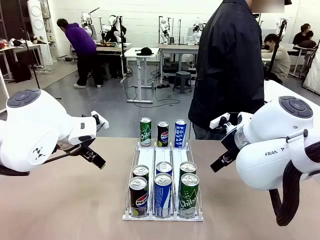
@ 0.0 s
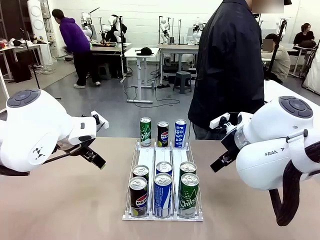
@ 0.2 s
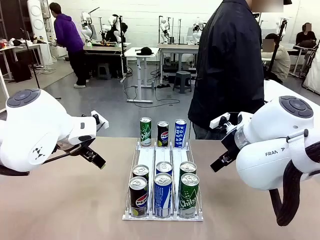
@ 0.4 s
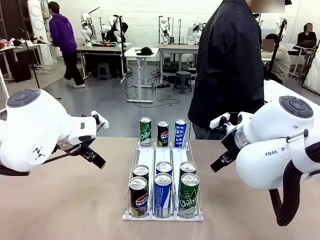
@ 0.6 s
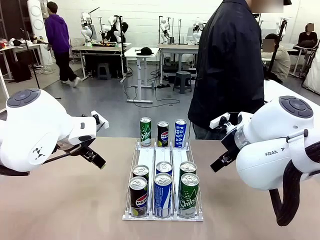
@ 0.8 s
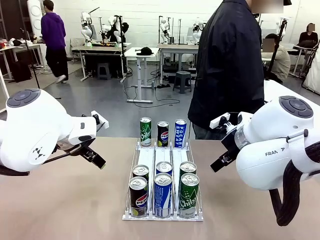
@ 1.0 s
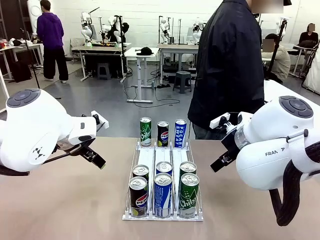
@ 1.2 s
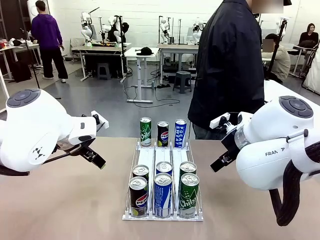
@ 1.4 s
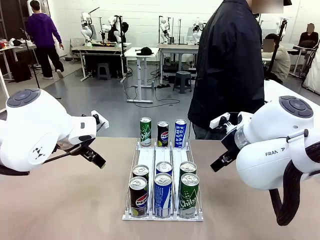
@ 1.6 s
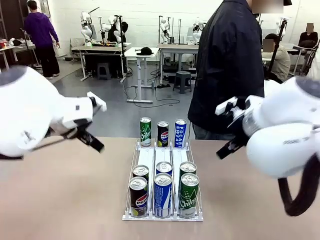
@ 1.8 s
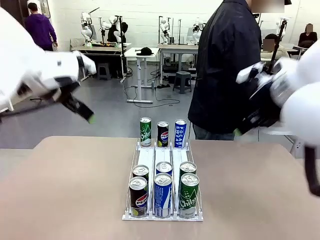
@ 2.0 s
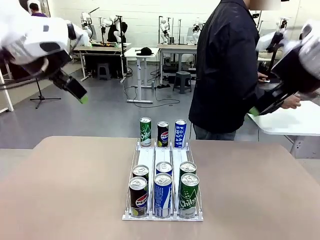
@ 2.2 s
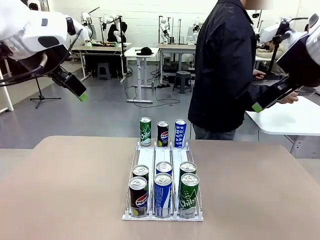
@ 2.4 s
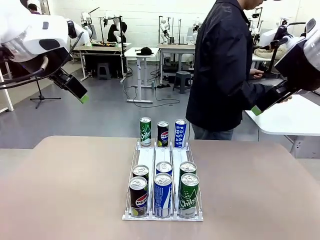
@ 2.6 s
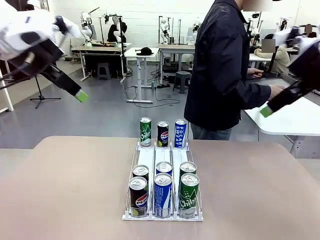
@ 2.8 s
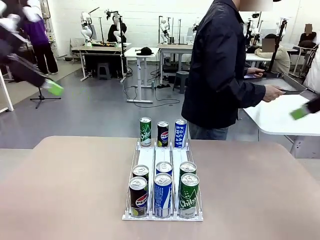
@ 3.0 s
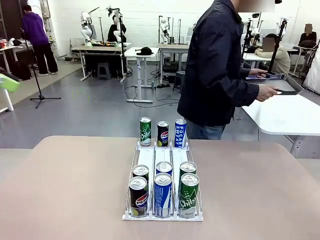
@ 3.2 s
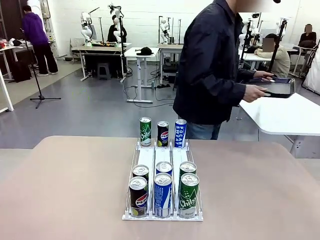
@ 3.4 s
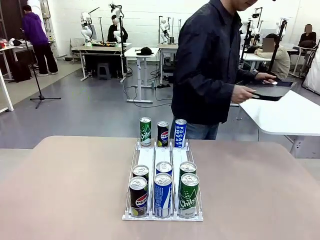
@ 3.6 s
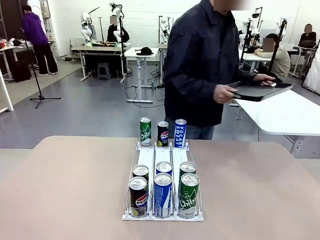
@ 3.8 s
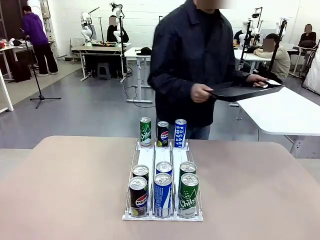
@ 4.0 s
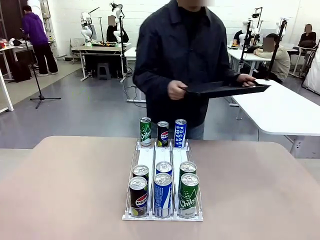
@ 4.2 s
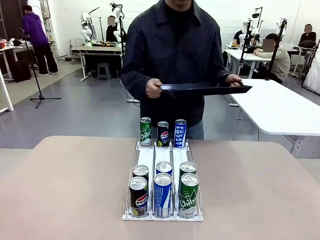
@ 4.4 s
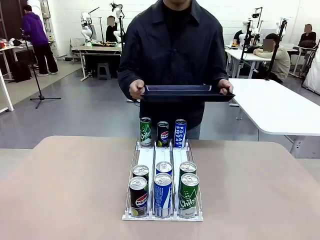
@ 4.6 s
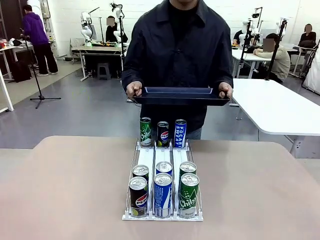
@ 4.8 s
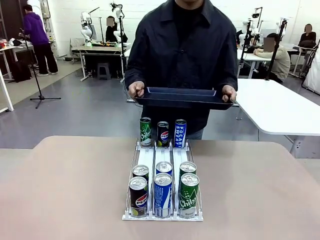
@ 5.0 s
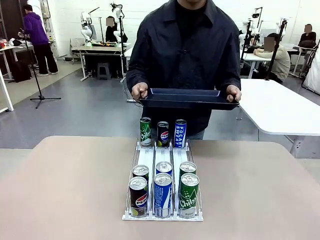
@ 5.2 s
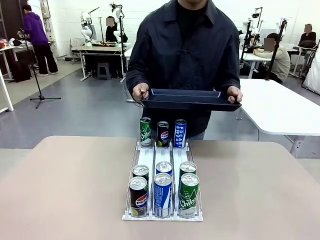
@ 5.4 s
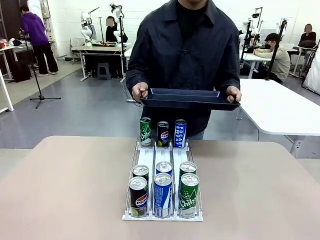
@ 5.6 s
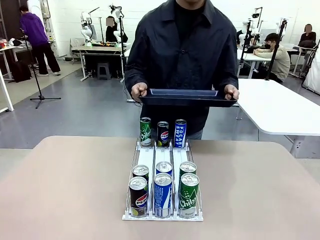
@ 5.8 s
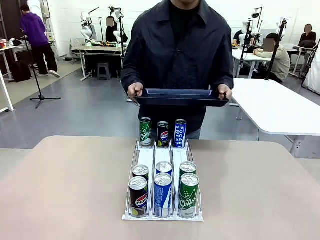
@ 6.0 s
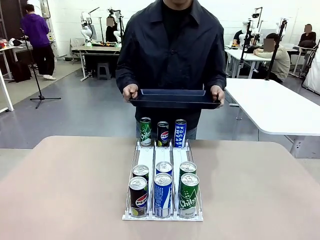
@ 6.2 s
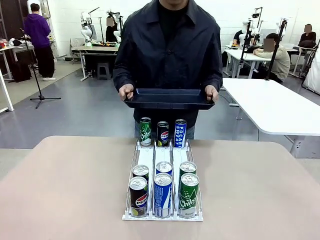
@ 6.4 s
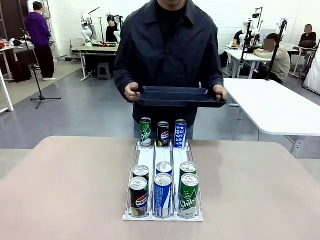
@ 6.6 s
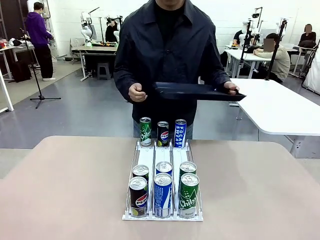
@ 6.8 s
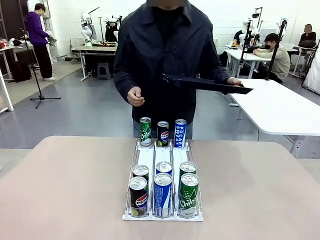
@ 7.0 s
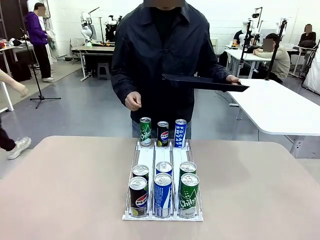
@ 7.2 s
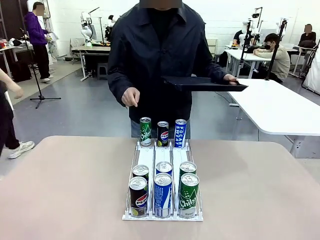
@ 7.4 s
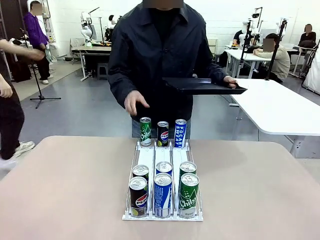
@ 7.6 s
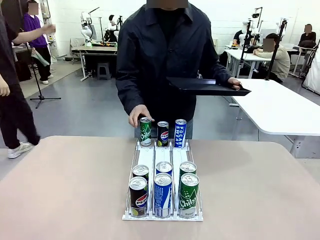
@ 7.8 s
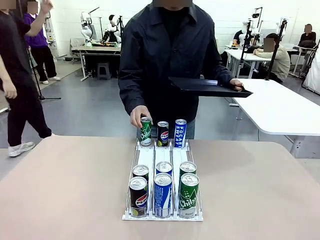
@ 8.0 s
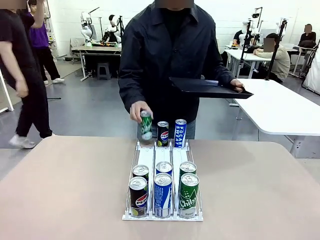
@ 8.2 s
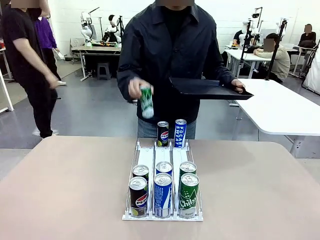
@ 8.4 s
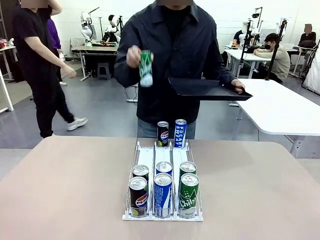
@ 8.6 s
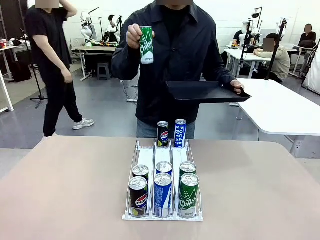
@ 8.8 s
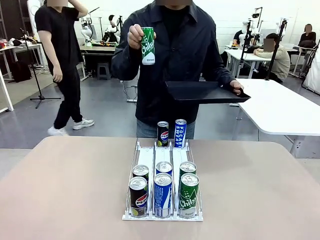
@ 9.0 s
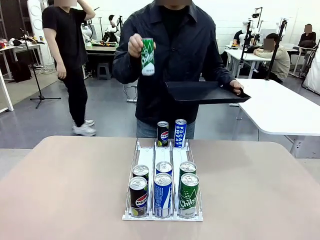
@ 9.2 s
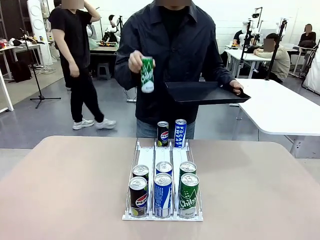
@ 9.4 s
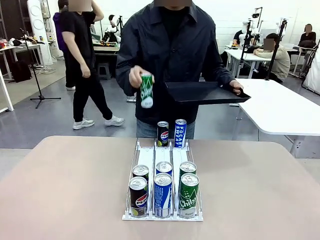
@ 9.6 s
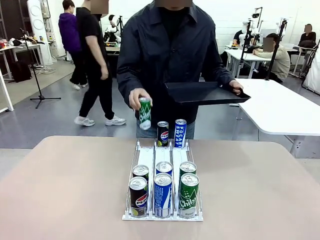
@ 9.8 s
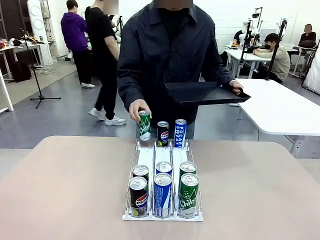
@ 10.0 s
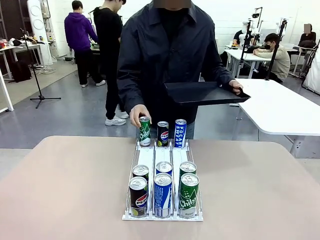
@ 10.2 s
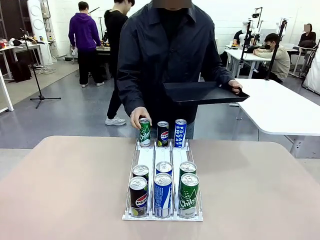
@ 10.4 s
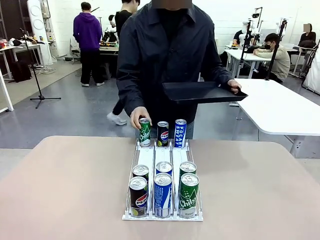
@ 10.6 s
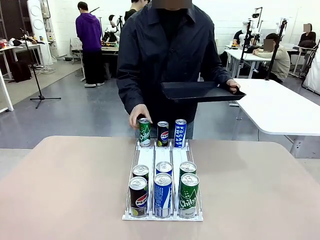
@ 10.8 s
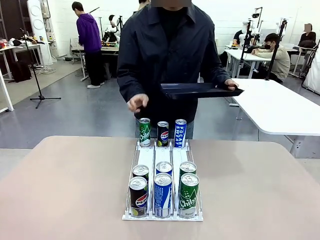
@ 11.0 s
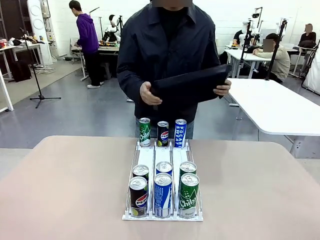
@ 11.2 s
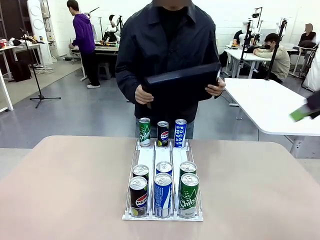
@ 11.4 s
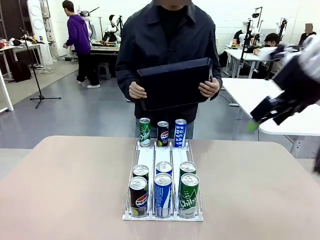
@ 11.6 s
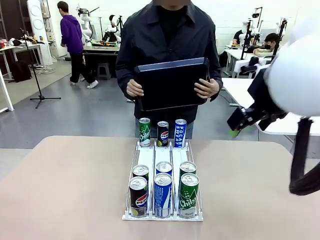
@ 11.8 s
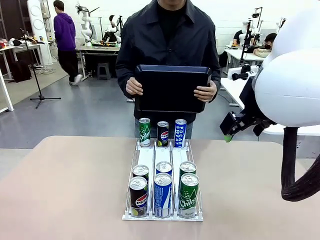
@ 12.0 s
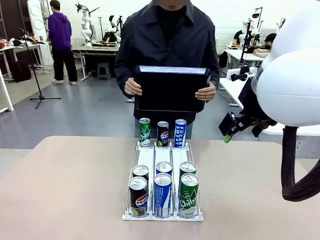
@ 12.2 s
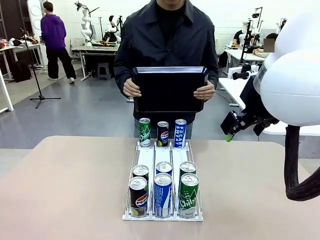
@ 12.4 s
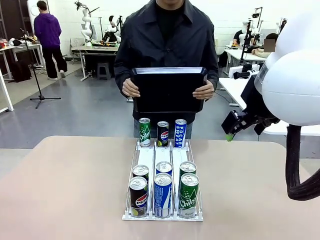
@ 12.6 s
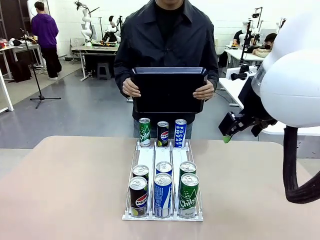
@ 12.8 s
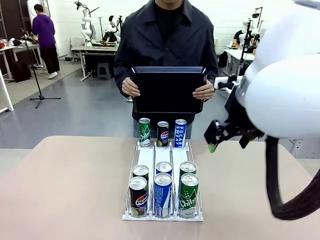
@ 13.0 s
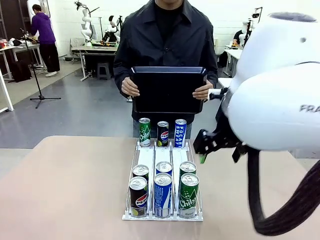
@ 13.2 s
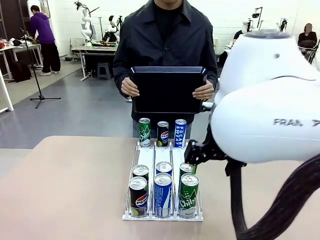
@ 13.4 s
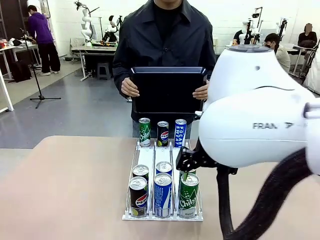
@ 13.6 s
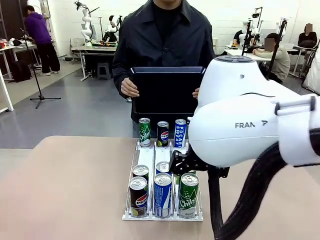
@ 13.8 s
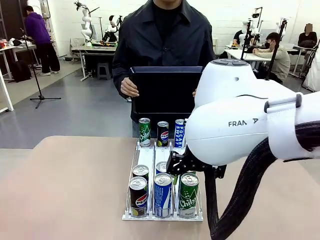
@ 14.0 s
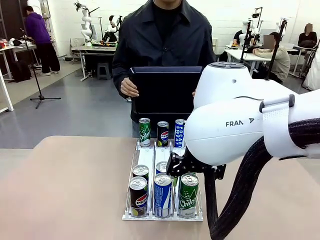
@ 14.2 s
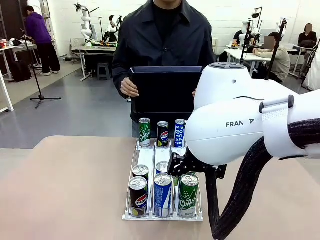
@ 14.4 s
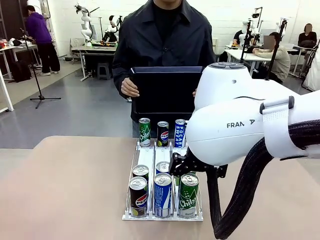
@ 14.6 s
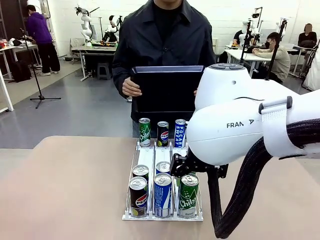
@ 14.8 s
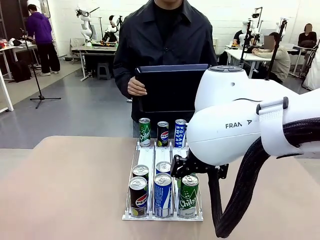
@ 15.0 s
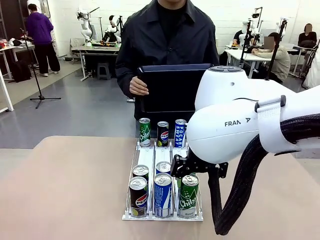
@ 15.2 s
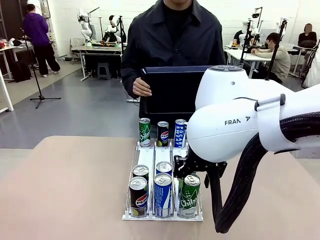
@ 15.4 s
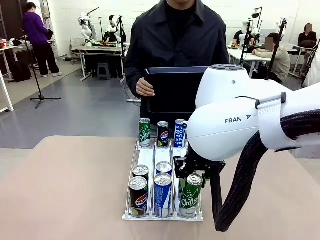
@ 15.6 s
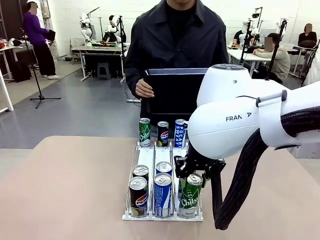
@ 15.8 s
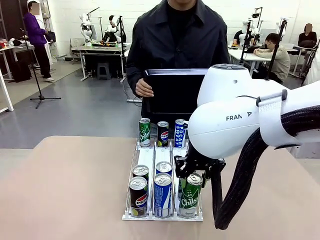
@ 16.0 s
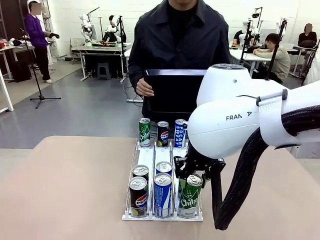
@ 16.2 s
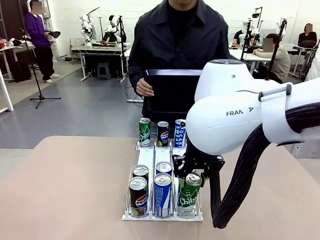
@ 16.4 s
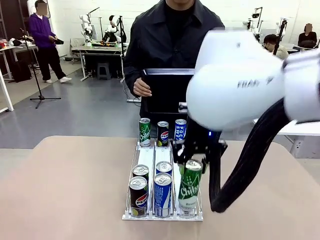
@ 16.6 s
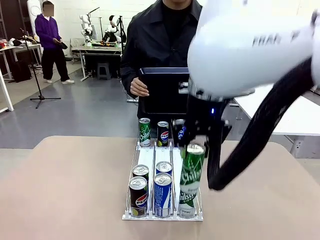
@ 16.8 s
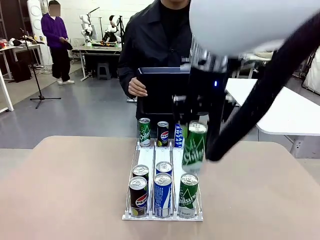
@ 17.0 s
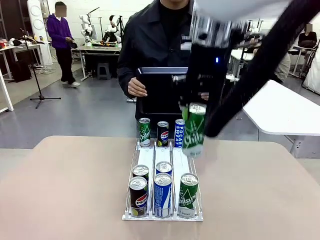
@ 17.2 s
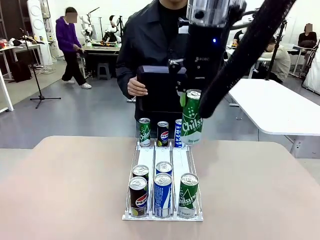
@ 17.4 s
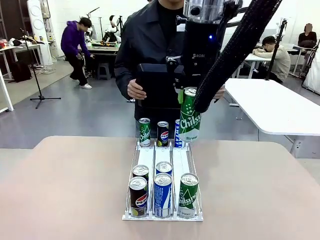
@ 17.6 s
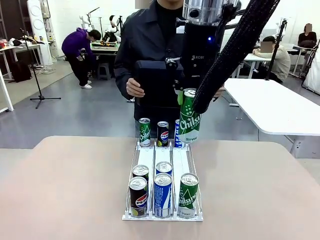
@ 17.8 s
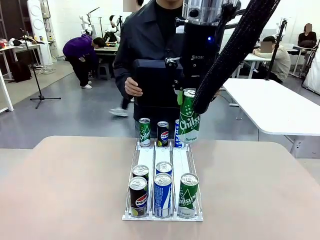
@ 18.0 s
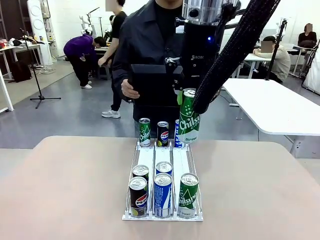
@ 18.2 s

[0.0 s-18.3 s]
Task: Retrieve and hand over the desired beverage to the person.
Robot: Pick up a can of the same type that the person held from the Automatic Can Dispenser.
Person: Hold the tray and position yourself in front of the robot table. Pick up one can from the bottom area of the table and puts it back in its original place.

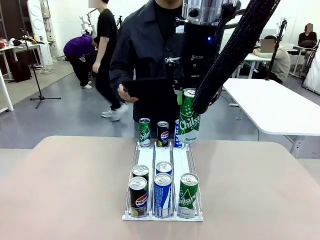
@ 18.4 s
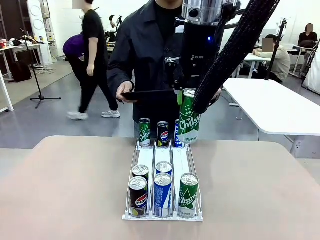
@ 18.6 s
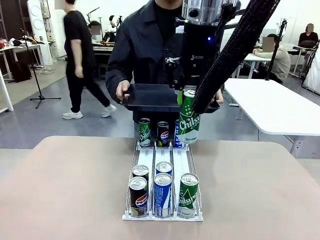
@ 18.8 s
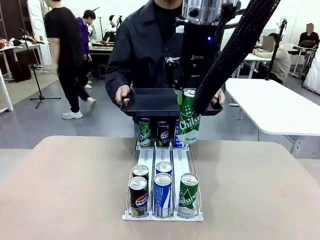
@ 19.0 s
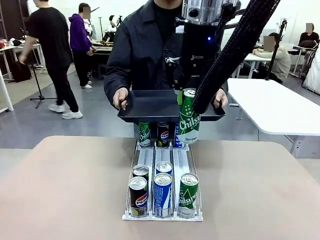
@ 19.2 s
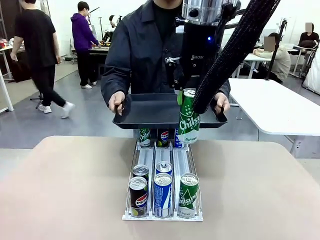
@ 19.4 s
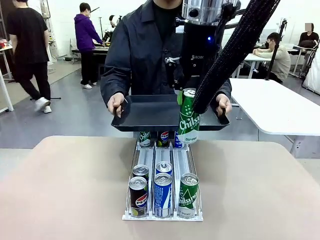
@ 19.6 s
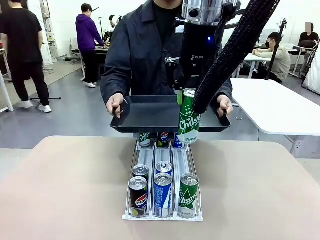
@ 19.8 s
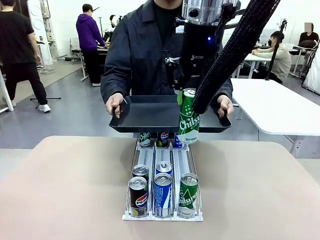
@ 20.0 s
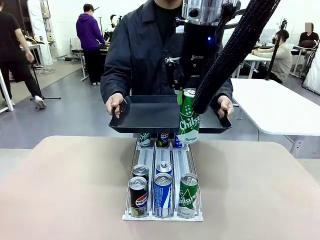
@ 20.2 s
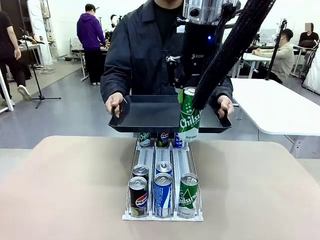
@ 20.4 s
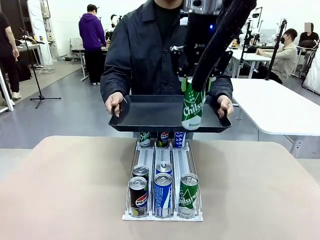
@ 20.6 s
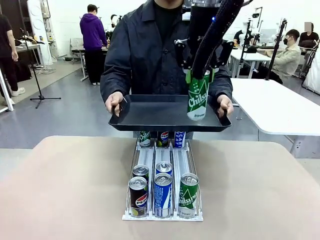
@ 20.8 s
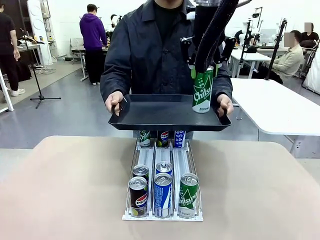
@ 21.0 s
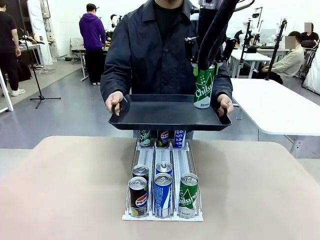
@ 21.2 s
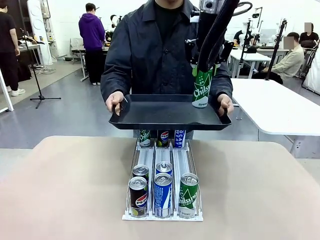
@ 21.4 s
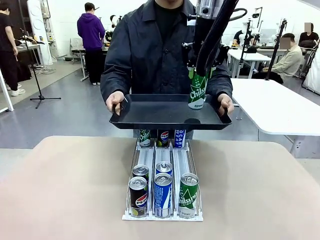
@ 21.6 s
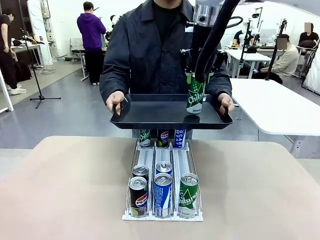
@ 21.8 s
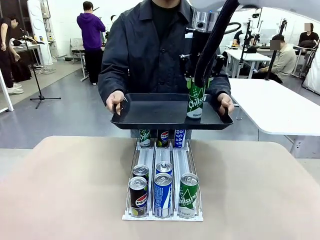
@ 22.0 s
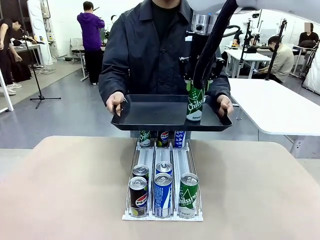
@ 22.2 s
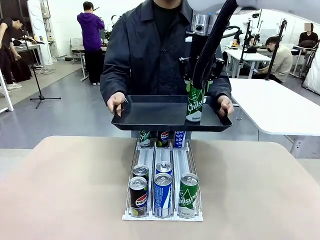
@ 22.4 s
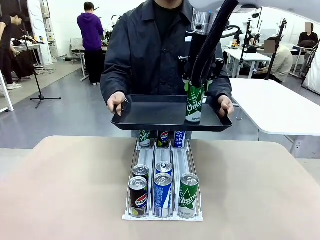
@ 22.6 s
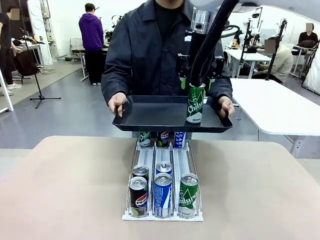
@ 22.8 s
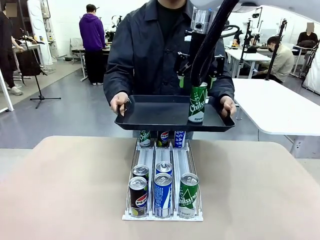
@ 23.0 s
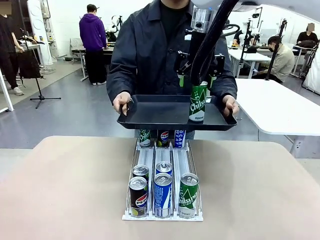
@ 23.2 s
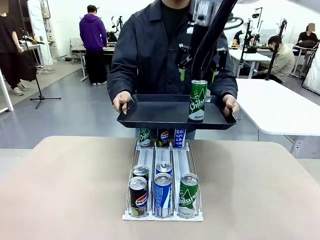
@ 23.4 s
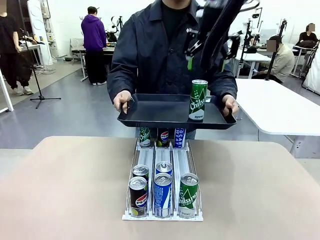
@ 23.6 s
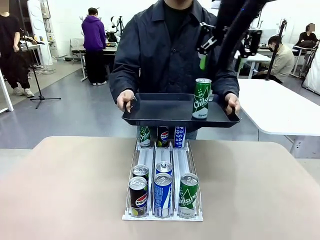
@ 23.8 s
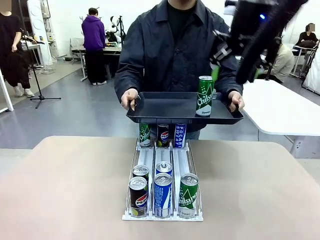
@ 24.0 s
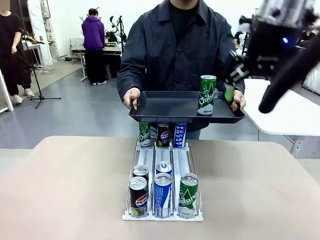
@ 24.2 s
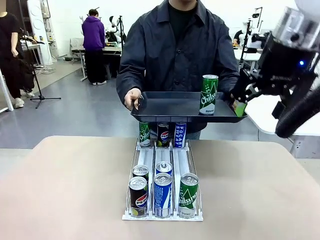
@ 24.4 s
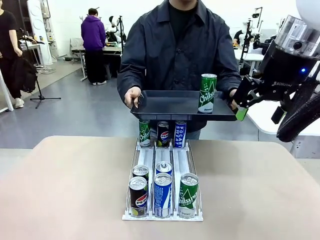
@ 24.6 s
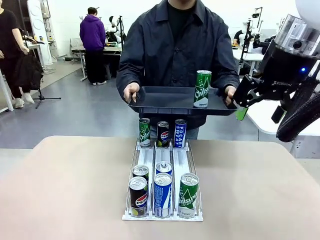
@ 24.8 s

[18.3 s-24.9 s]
Robot: Place the picked can on the Handle tray extended by the person.
Person: Push the tray toward the robot.
